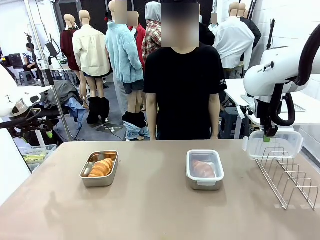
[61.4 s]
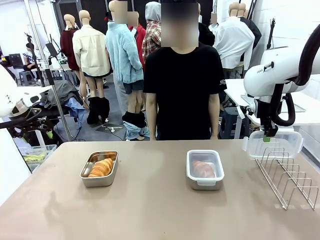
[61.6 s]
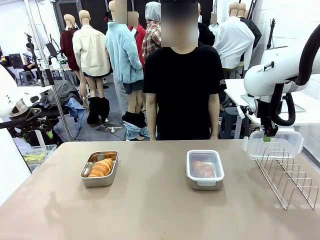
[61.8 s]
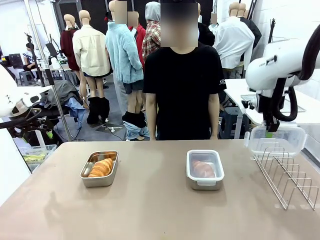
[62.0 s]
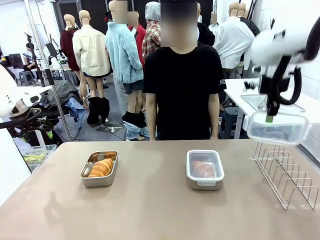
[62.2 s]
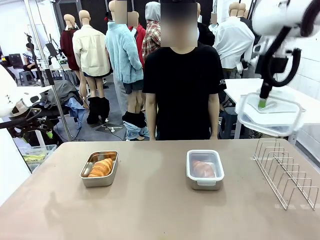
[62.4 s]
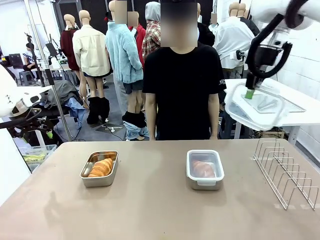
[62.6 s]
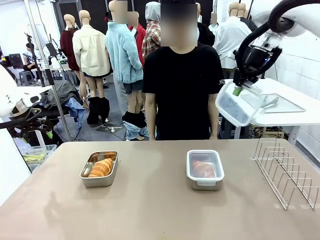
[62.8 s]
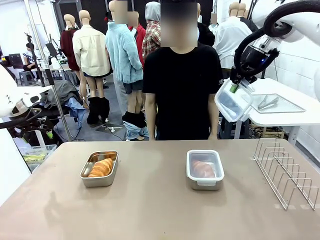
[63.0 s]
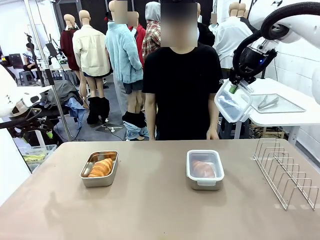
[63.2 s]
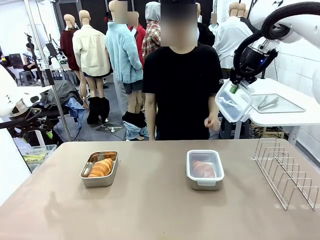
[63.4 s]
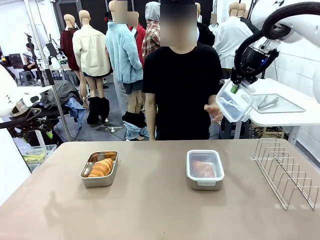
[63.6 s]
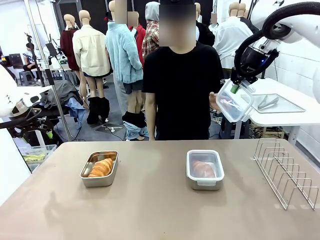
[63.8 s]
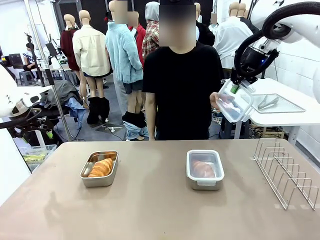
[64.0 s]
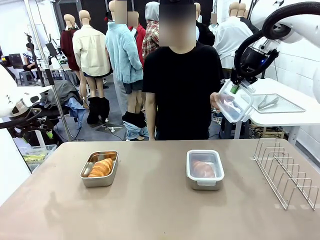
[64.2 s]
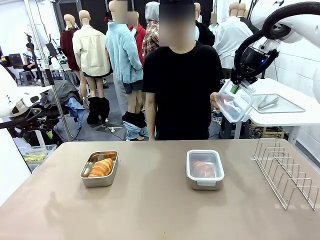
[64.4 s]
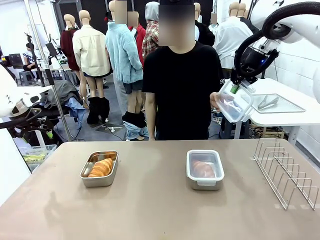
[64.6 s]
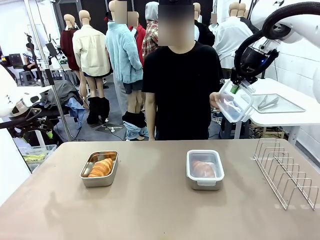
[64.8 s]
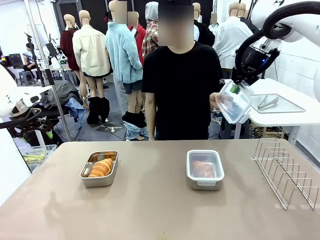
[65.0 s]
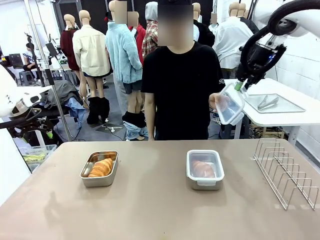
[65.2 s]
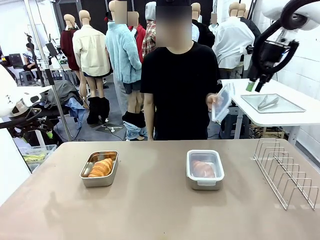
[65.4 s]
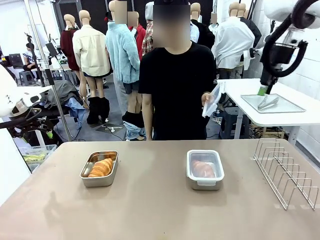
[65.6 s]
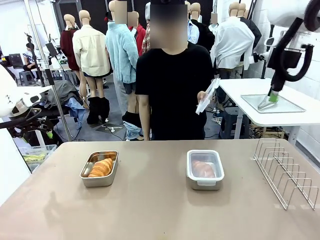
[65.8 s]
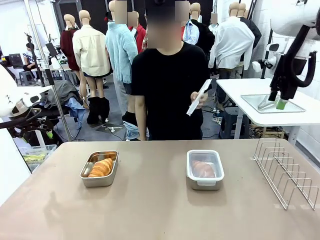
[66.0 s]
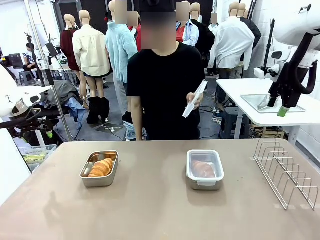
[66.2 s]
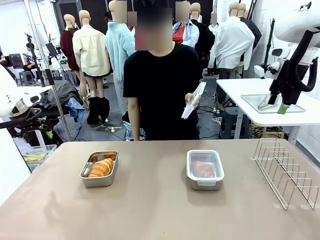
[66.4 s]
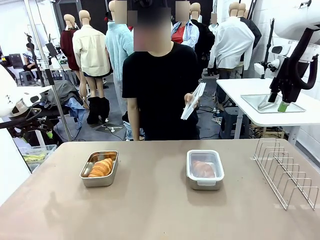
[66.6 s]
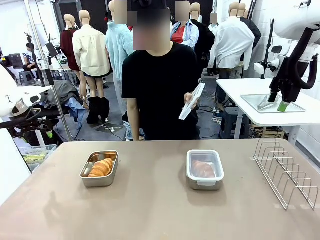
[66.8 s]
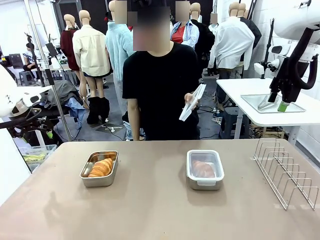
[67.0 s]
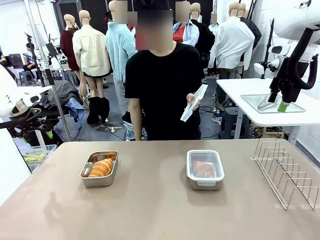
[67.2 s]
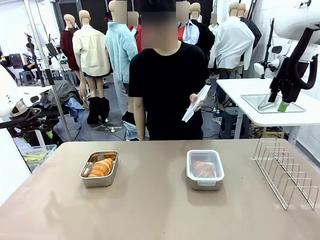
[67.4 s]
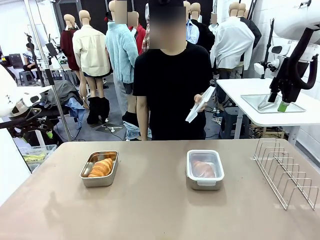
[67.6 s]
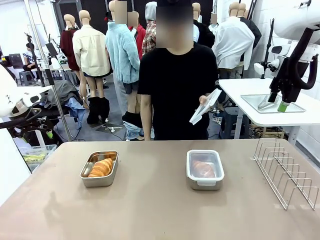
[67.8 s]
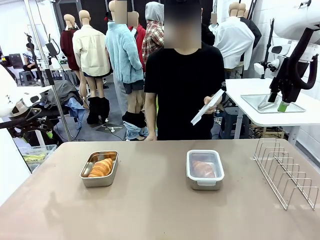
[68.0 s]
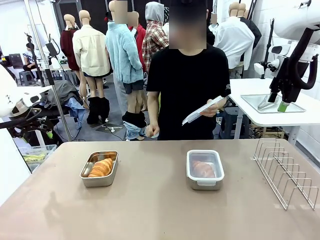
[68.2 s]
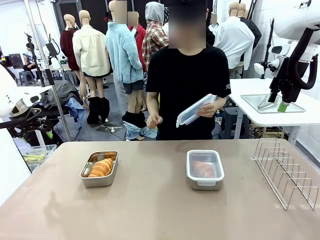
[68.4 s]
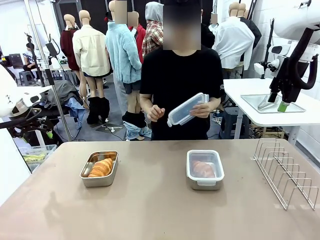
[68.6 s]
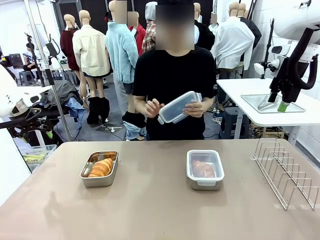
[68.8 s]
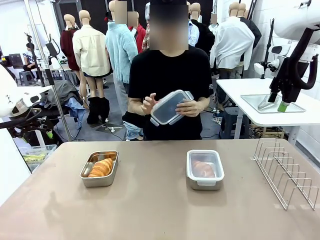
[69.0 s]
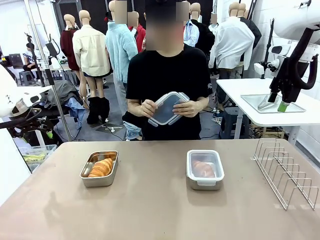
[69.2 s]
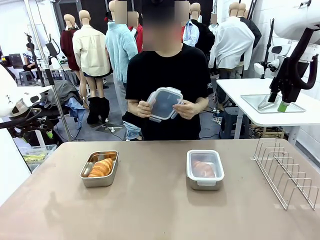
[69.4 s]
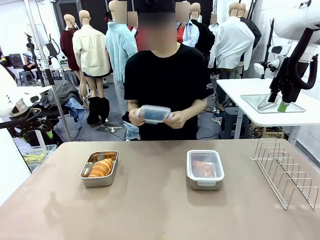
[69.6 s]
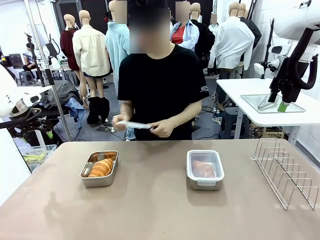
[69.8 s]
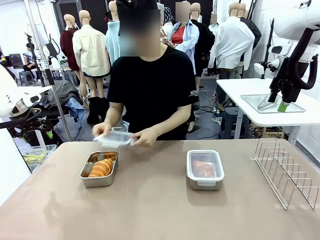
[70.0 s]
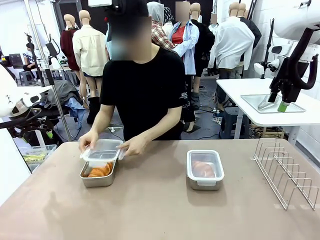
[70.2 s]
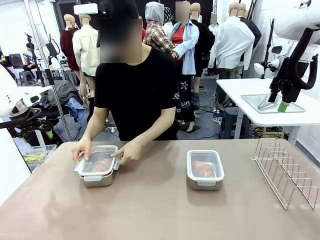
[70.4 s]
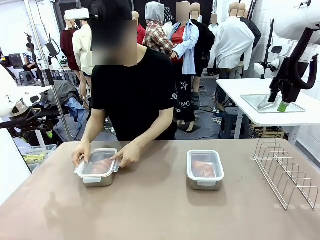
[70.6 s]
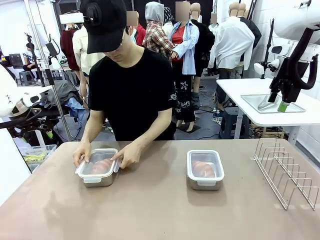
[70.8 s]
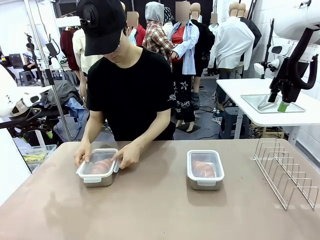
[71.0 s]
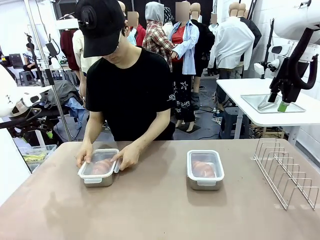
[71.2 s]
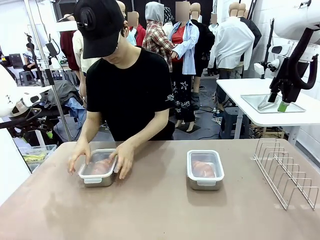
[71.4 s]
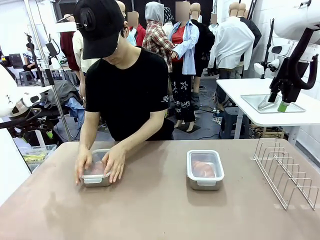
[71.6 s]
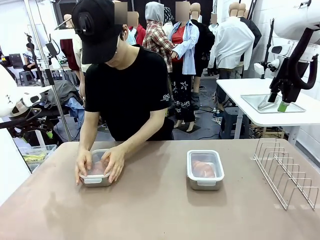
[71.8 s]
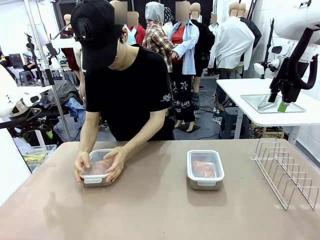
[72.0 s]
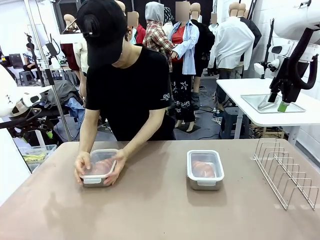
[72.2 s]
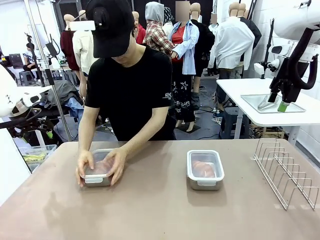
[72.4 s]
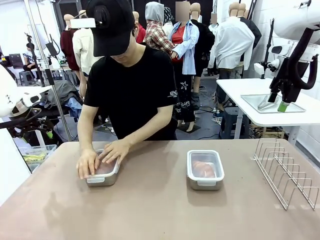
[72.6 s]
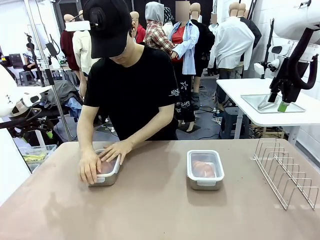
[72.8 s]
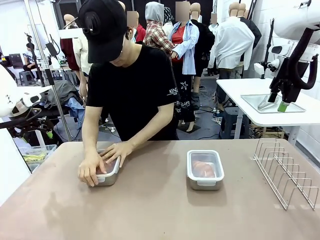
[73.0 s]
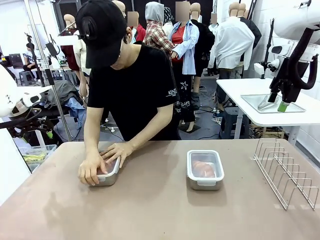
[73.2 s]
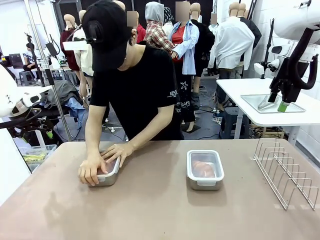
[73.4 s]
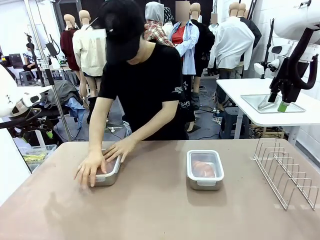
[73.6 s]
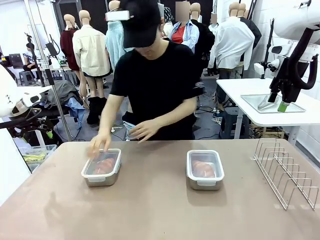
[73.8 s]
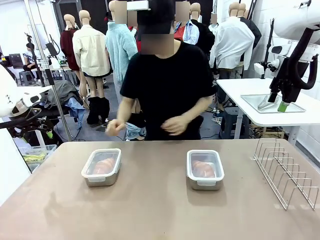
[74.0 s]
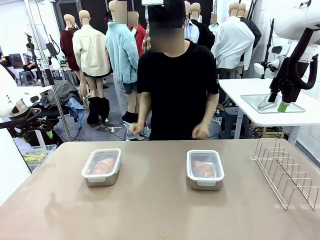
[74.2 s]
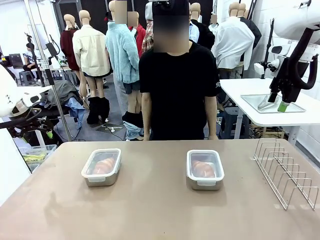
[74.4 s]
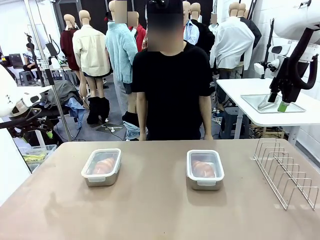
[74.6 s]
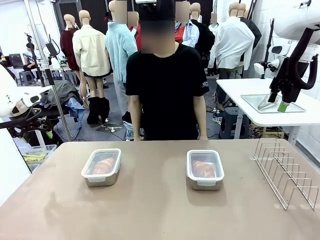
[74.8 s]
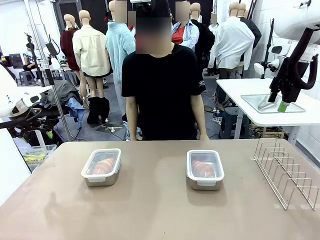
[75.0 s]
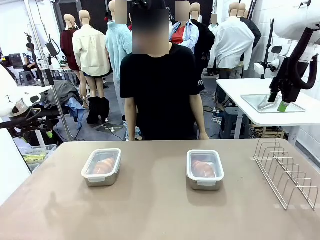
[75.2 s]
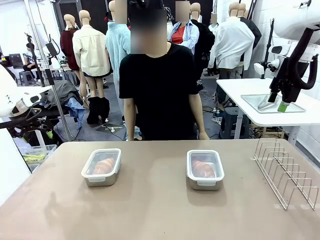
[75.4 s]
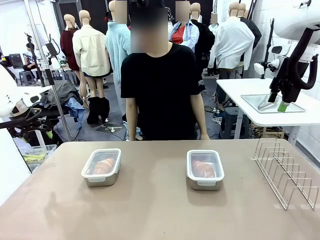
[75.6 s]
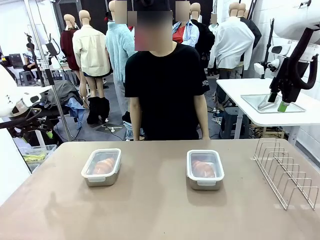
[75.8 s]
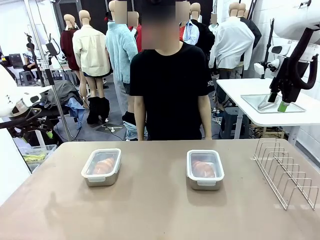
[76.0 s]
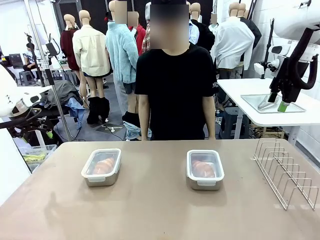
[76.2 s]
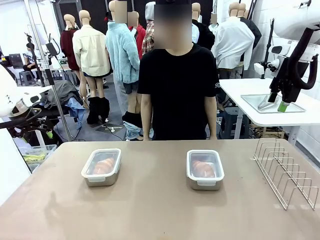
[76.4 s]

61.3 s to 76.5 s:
Task: Place the bread in airtight containers.
Robot: Release when the human grabs the Airtight Container lid.
Person: Grip Airtight Container lid that robot is handing. Close Airtight Container with a handed Airtight Container lid.

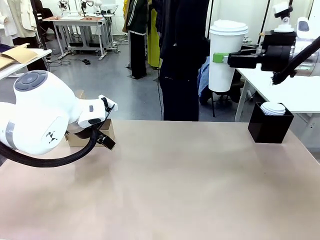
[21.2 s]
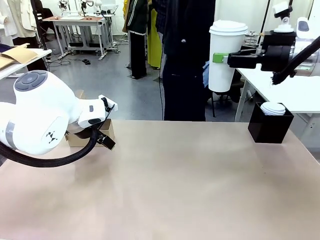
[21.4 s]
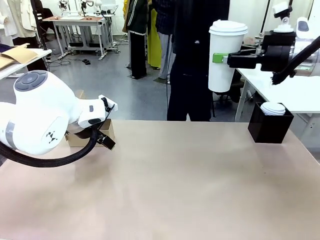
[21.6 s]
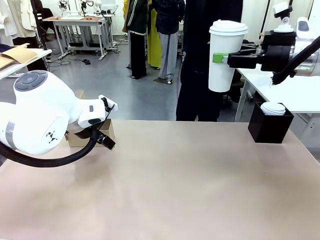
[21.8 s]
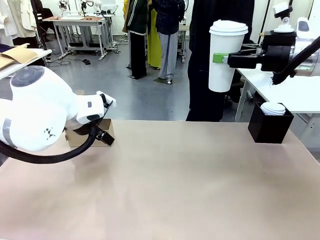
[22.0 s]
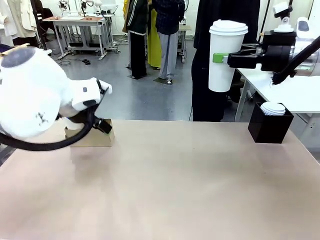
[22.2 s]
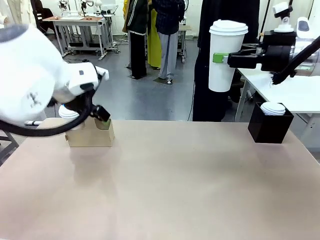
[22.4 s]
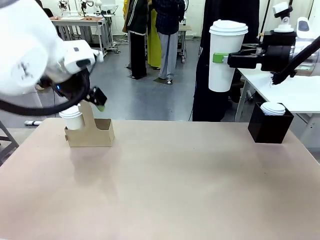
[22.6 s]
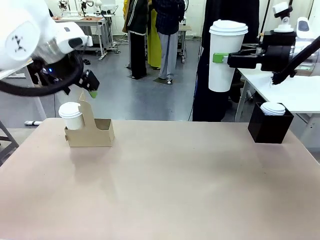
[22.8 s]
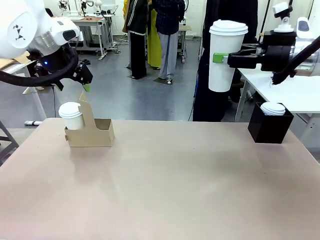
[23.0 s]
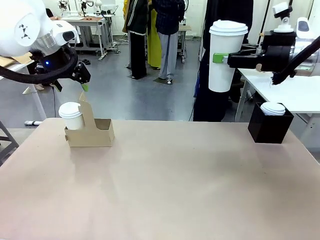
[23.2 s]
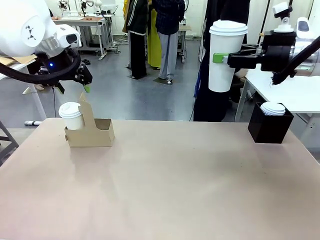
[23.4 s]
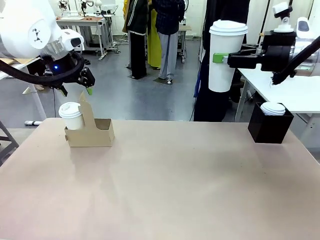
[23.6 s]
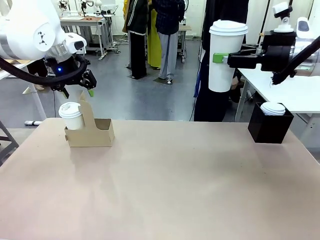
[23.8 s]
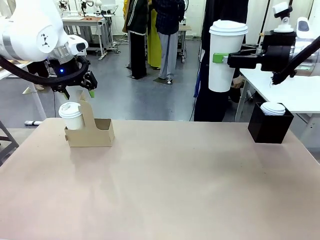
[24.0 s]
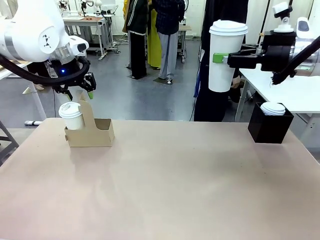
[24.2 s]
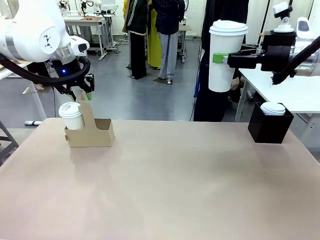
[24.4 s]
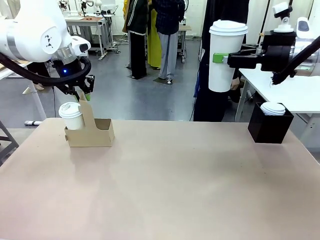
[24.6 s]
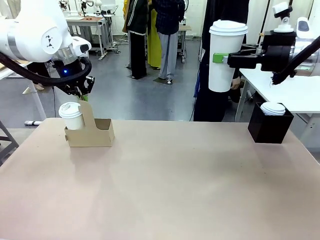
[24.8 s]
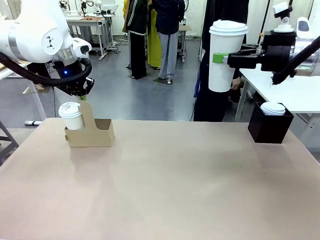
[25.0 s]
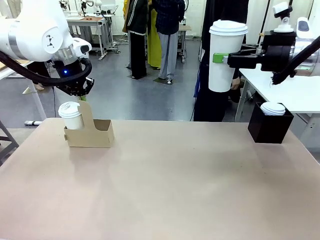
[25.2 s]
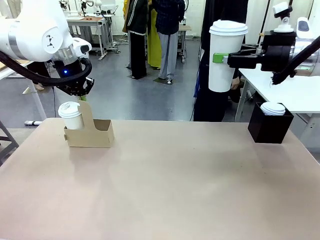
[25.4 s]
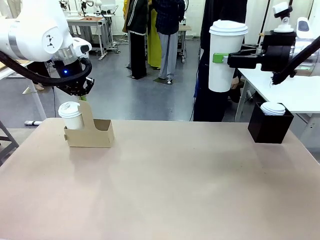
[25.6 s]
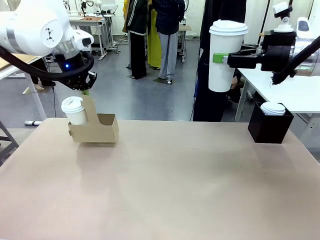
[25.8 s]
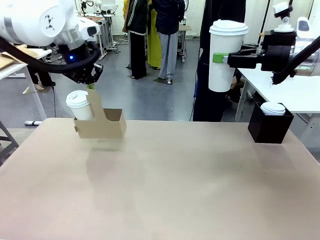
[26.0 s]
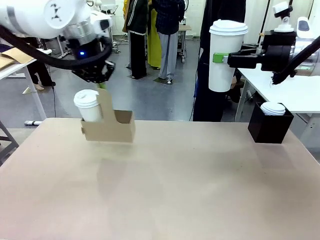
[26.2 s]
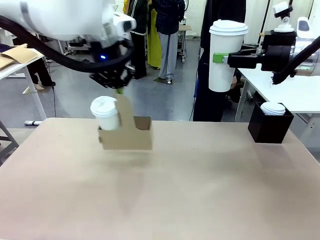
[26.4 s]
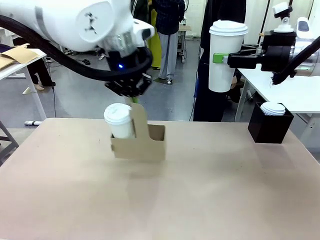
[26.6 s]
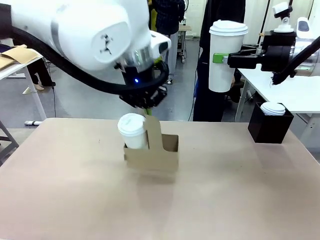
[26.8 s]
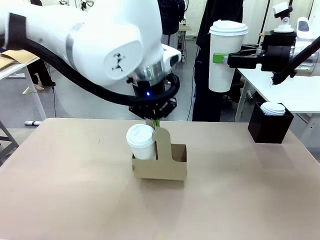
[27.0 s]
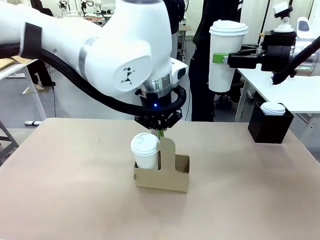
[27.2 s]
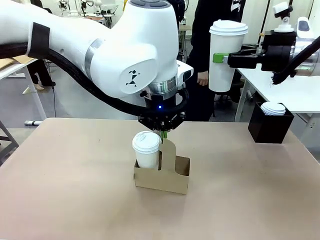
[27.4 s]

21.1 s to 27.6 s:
Task: Pour a drink into a cup and package it in a carrier.
Robot: Position the Cup Carrier in the center of the table.
Person: Pick up the Filter Brewing and place on the middle of Human table, and return to the Robot table.
